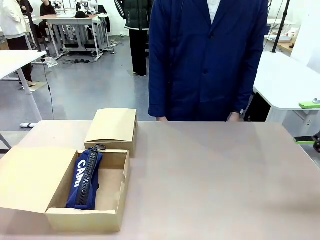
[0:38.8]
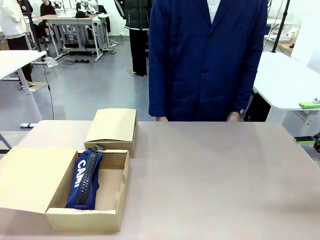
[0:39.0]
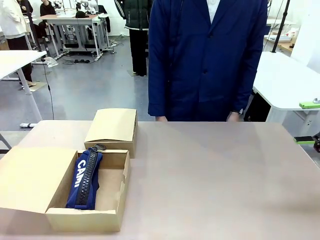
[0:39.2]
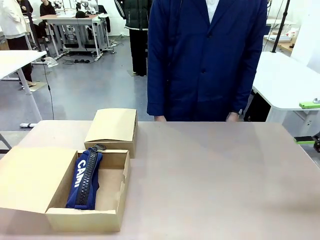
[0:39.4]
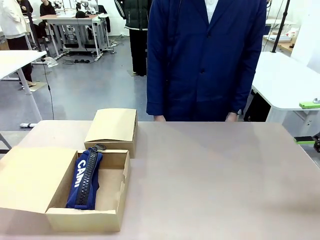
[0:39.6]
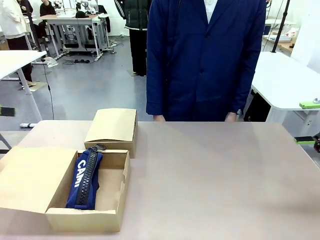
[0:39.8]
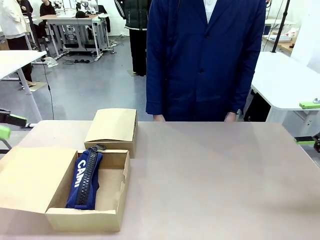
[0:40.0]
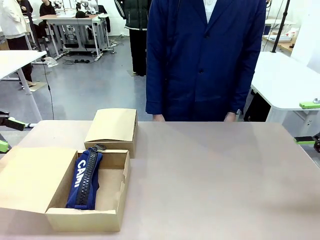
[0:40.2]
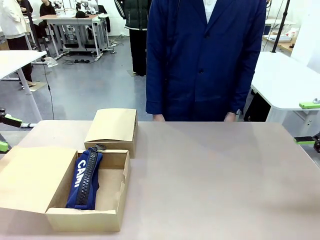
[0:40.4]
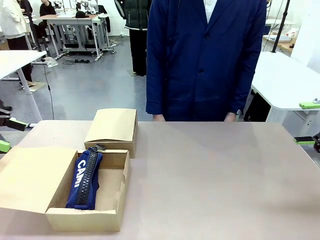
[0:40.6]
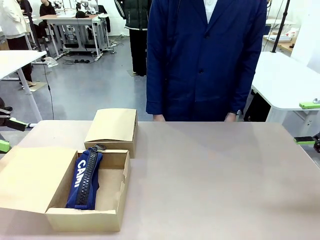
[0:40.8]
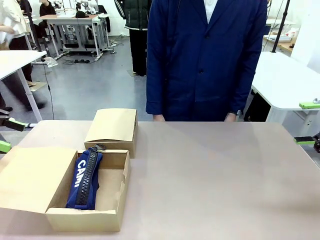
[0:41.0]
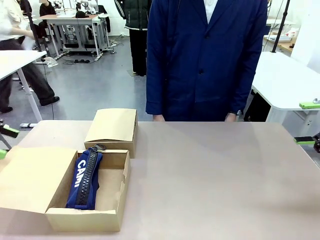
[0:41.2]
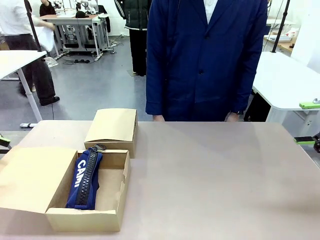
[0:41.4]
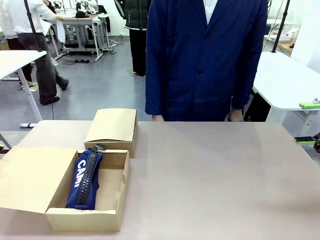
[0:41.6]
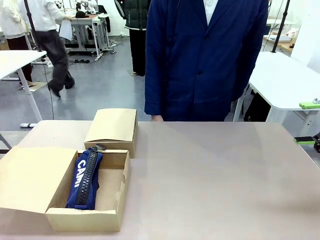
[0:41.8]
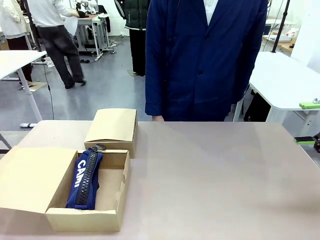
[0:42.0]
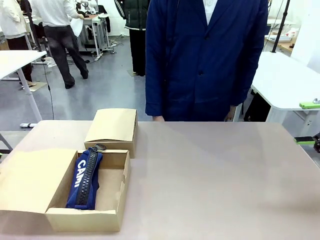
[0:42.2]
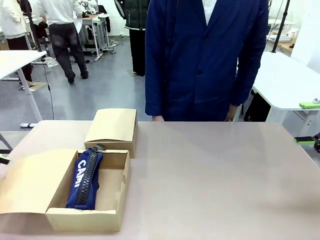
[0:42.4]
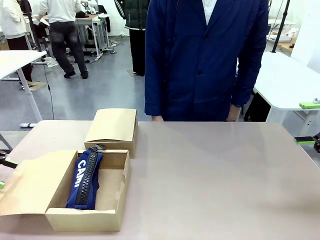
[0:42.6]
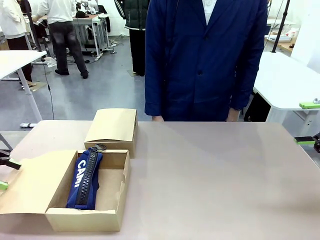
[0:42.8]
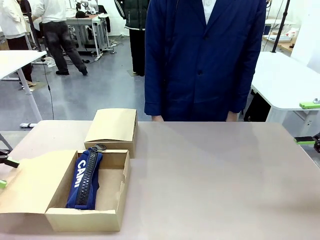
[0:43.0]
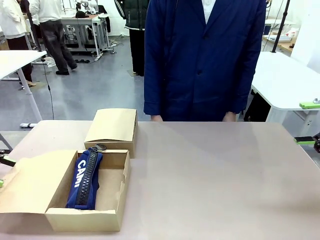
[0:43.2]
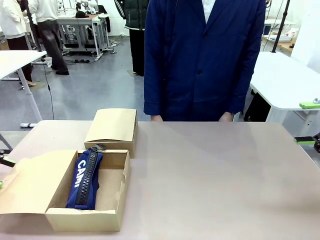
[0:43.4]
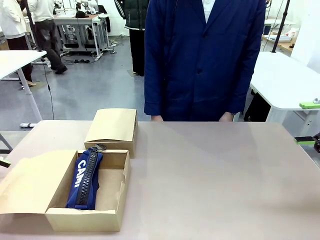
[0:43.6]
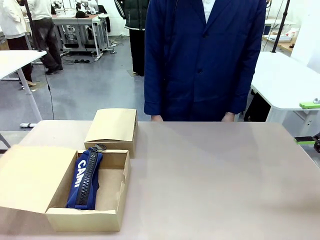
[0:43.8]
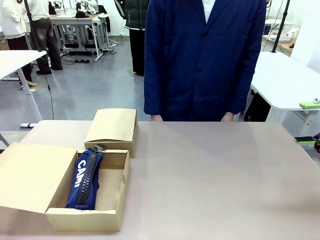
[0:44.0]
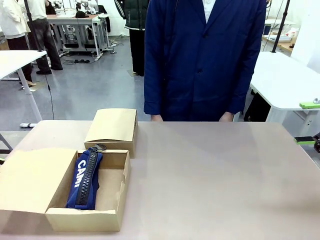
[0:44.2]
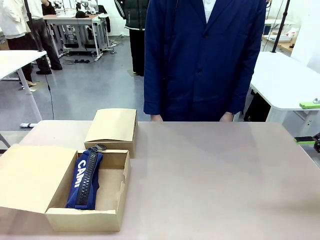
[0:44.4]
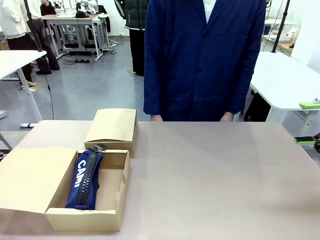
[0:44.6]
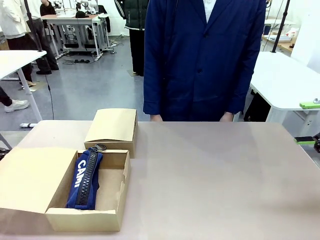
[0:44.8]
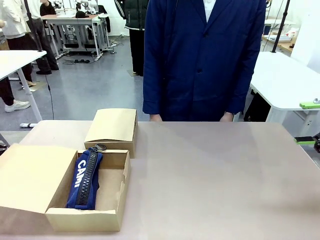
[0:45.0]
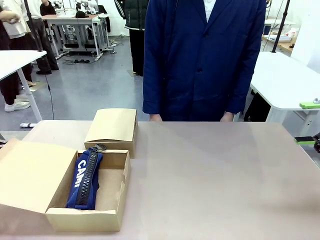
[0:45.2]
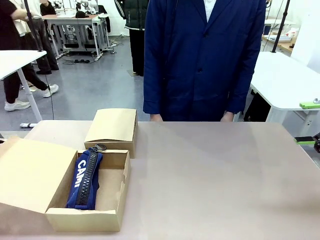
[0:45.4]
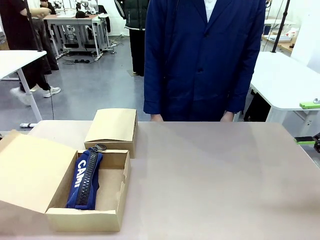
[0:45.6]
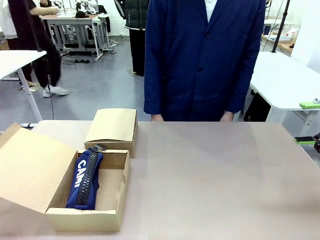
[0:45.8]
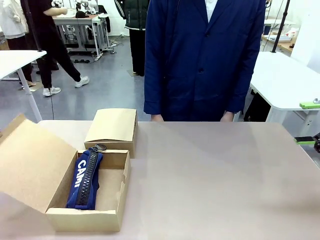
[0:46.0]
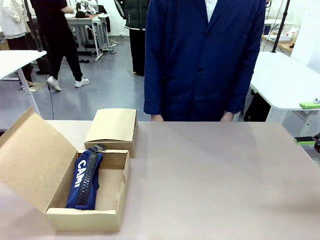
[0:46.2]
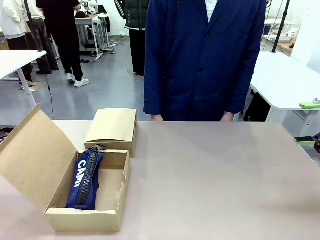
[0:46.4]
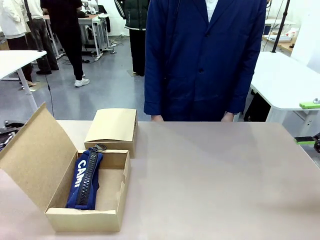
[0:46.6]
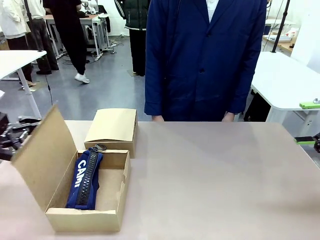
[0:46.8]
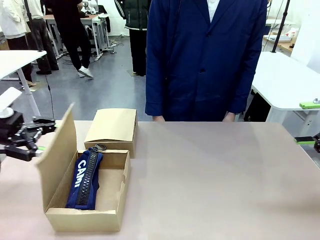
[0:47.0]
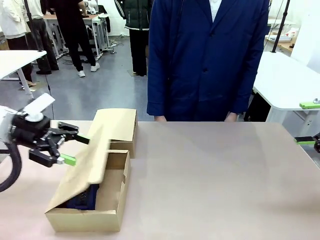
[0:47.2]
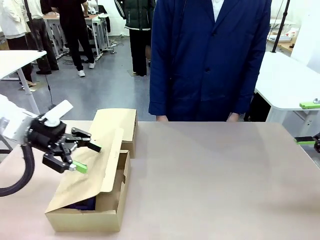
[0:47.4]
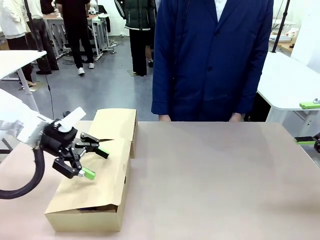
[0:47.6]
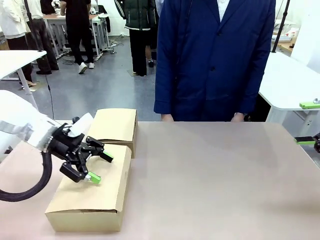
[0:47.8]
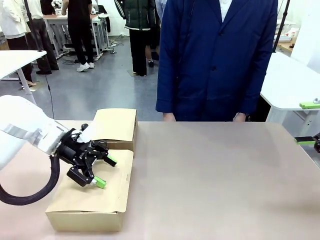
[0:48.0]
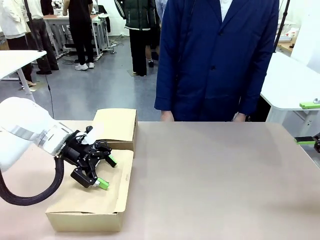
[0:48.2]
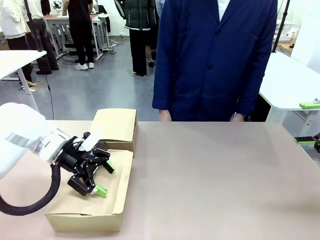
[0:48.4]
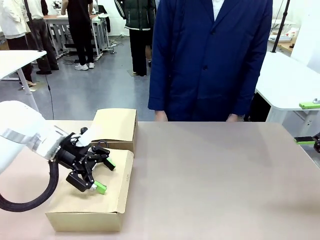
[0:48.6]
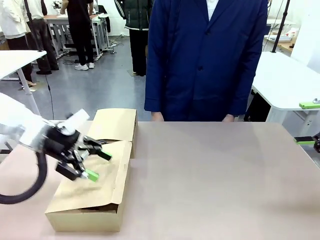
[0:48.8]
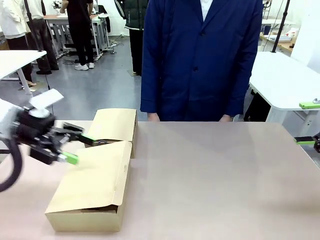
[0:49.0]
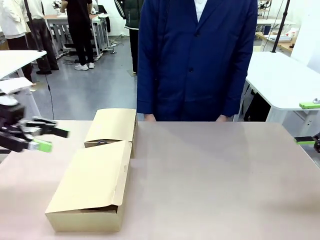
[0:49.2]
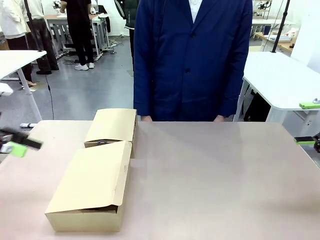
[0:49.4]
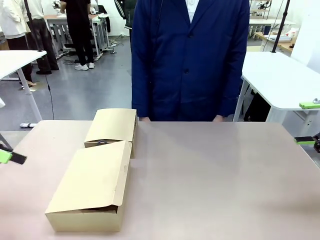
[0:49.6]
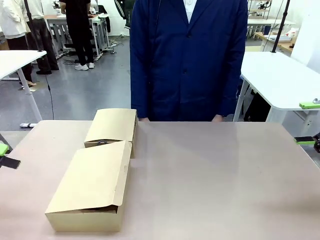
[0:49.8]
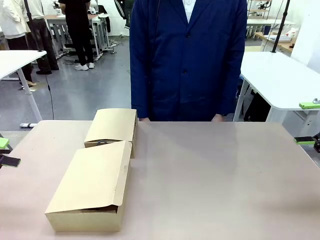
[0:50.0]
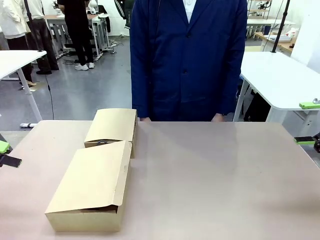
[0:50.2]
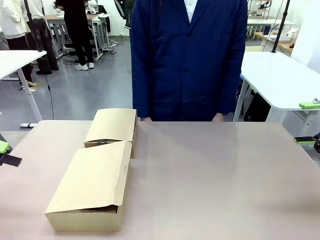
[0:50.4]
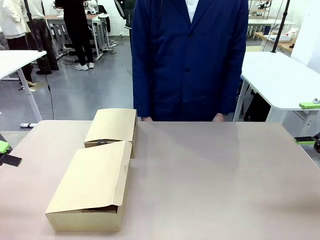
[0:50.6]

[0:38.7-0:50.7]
Task: Place items inside the box.
Robot: Close the lid of the Mailer Box closest to the robot.

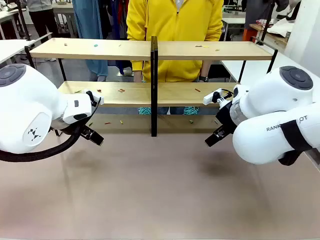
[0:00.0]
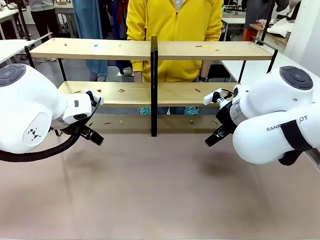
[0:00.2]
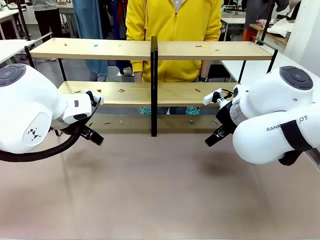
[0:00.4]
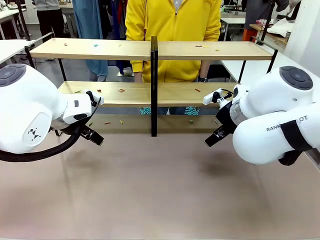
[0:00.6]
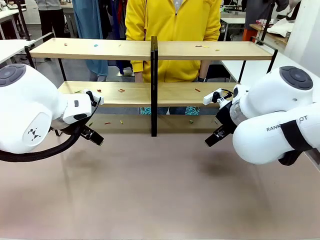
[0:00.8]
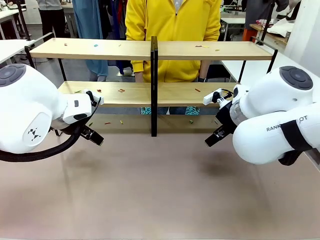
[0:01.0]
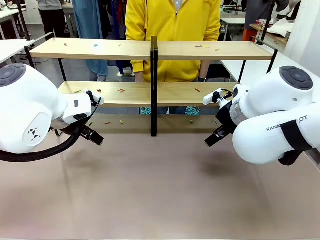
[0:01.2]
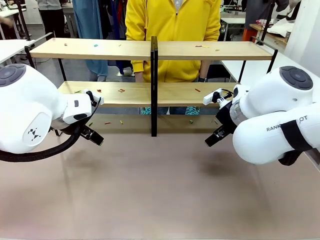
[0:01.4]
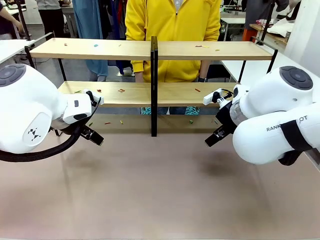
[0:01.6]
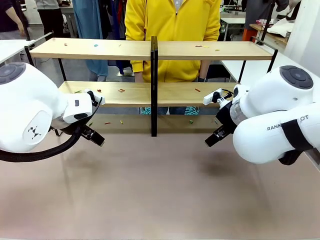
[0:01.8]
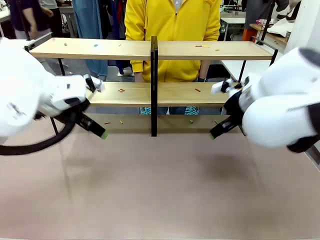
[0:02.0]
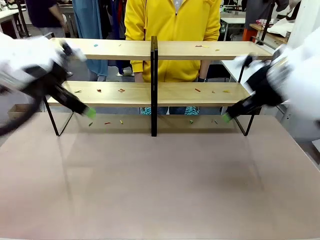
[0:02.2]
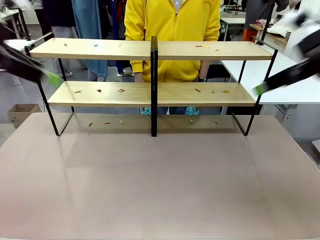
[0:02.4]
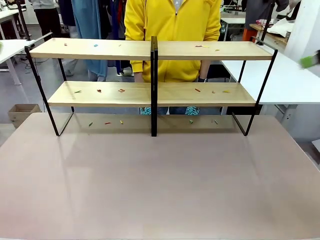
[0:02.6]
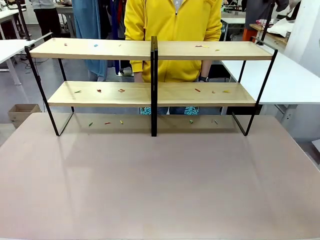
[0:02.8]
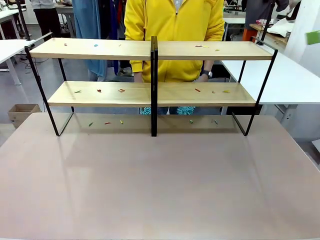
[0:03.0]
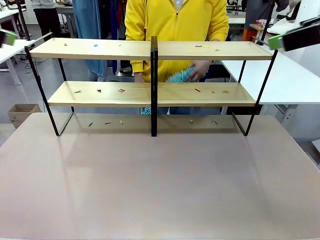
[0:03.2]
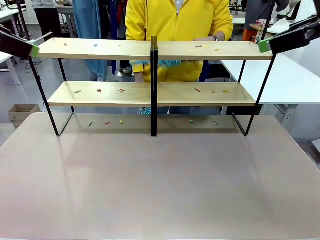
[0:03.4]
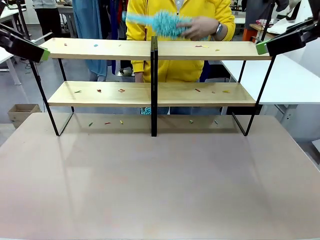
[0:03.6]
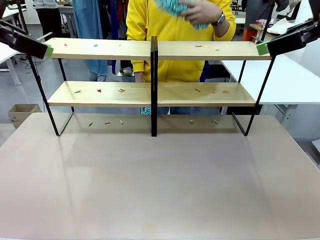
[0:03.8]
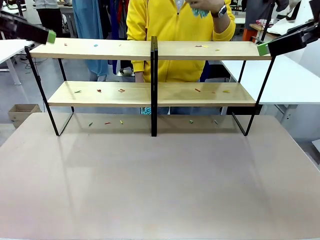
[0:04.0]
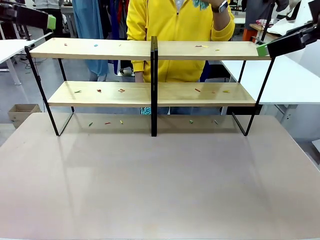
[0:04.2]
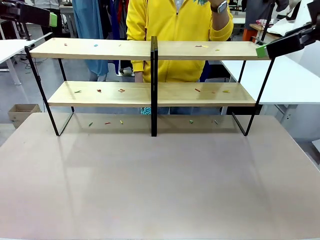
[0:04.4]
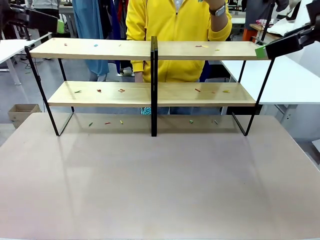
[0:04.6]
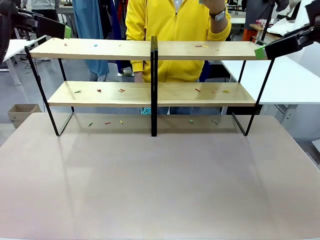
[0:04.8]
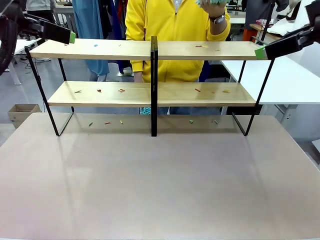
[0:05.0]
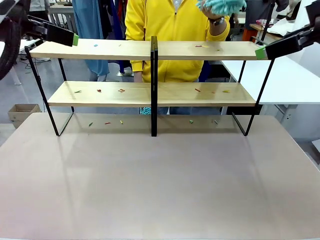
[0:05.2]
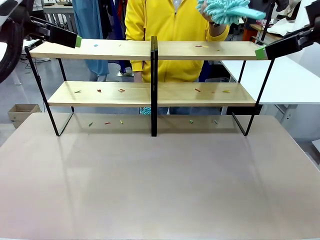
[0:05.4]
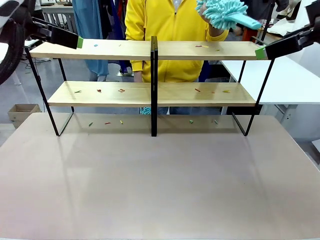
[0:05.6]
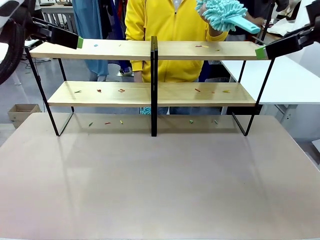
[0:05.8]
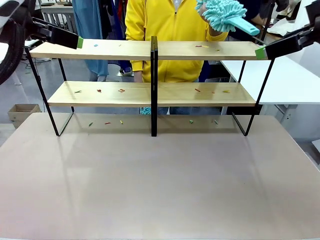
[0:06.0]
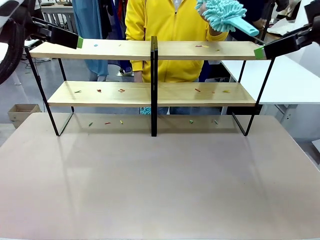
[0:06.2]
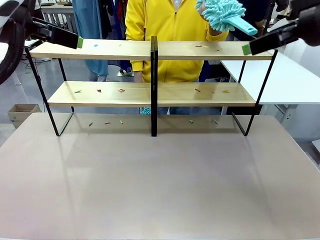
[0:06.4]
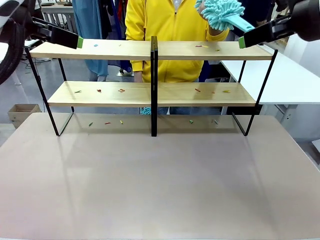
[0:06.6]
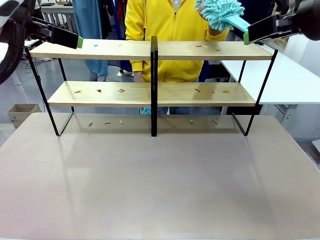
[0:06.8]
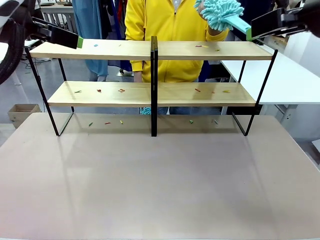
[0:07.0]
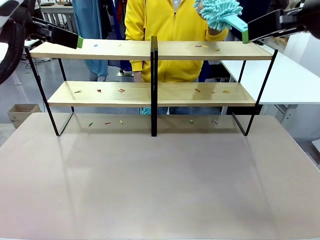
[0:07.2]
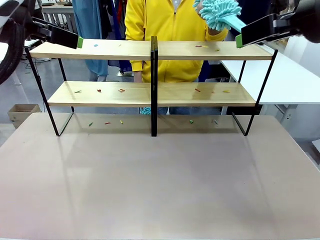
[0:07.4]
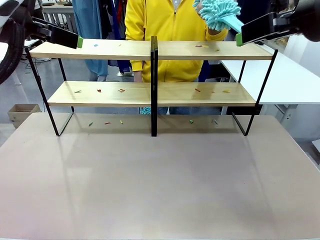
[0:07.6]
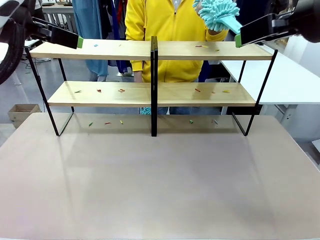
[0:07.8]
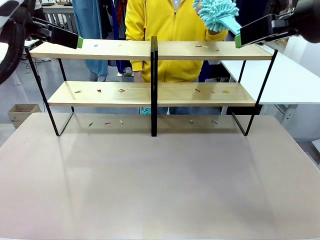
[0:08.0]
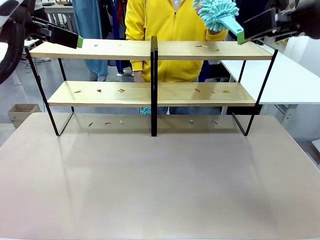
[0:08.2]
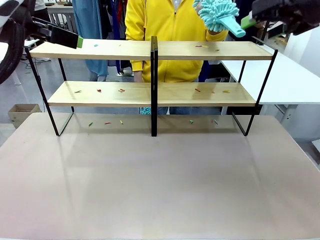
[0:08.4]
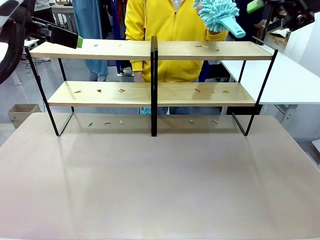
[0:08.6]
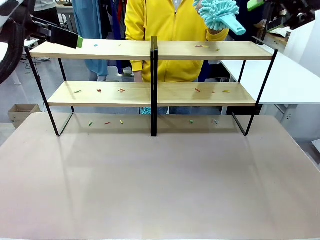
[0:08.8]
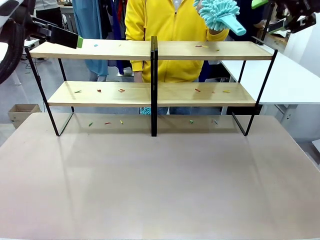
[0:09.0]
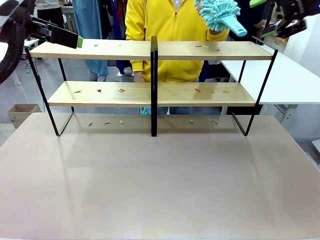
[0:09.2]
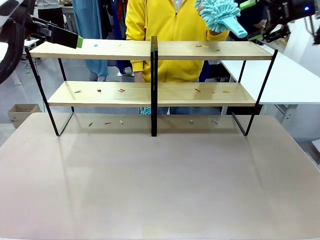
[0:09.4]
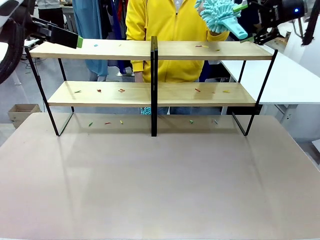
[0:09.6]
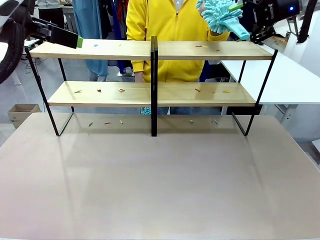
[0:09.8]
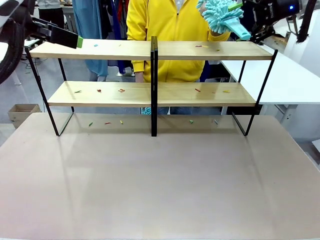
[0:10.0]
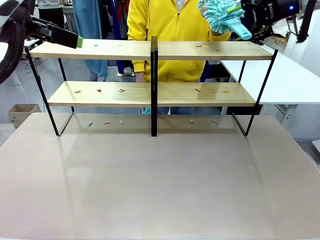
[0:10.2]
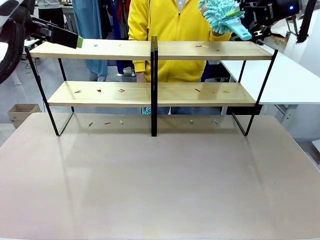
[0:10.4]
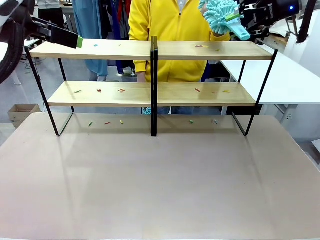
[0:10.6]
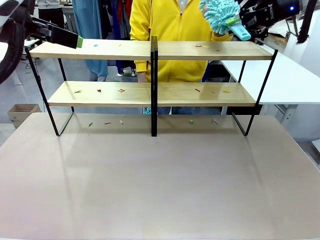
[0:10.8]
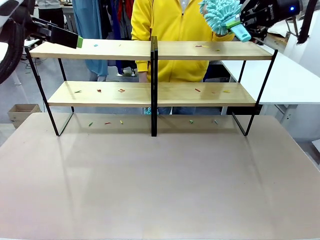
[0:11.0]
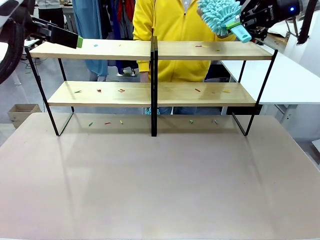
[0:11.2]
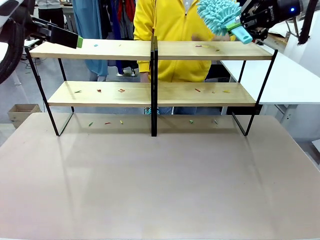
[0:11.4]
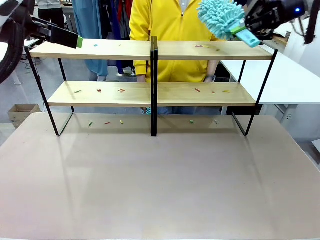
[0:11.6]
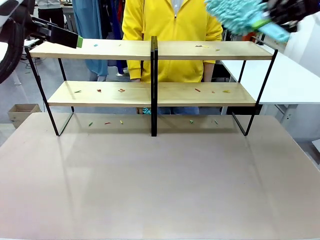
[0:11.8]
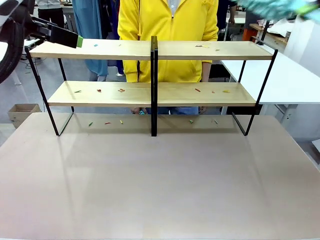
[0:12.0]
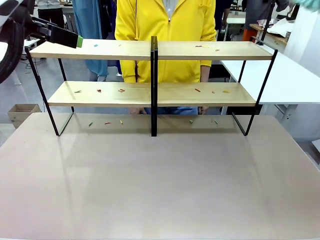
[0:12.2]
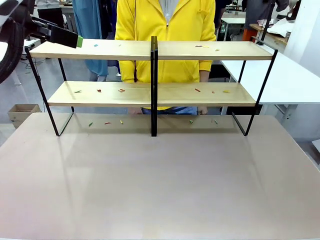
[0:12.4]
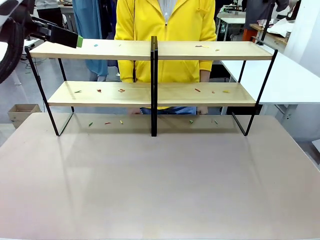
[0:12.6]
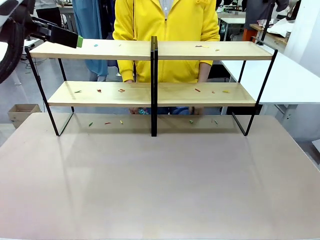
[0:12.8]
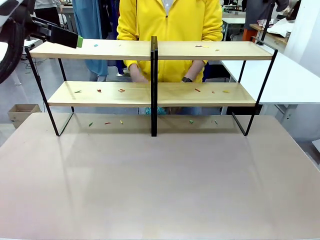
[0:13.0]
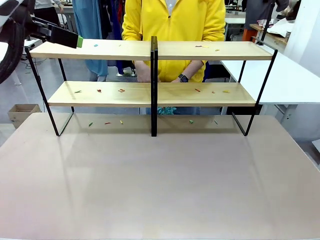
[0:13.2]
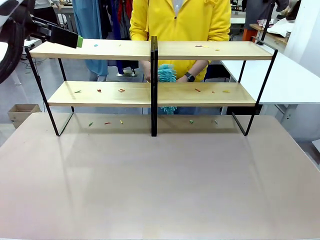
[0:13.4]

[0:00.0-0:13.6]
Task: Clean the shelves.
Robot: Pick up the Duster when the human hands it over.
Person: Hand the Duster to the robot with your right (or left) hand.
